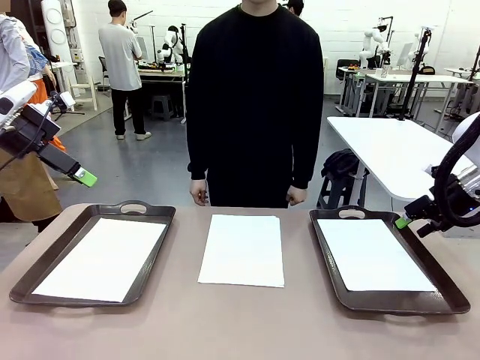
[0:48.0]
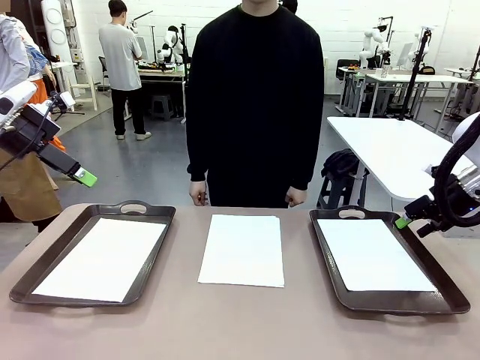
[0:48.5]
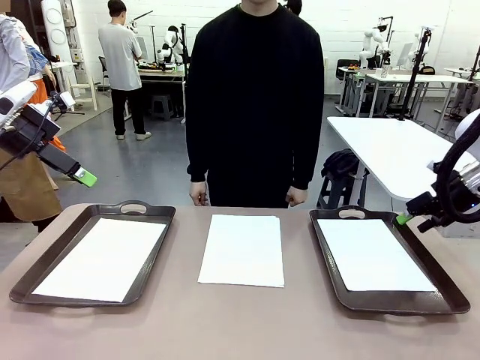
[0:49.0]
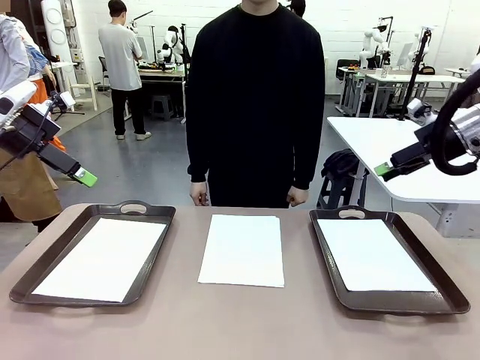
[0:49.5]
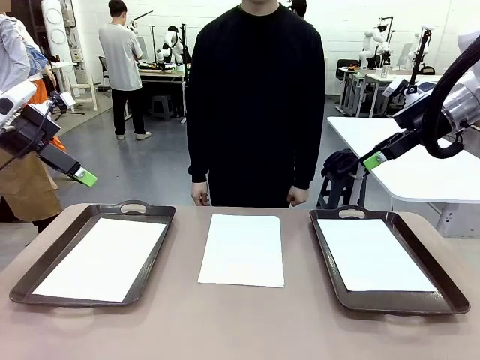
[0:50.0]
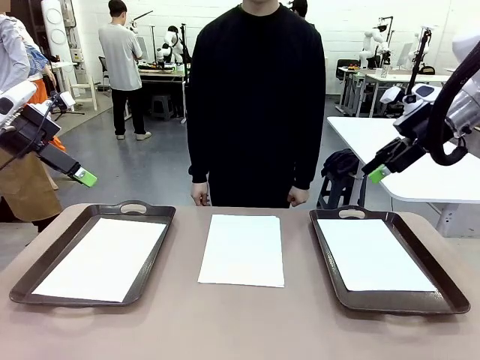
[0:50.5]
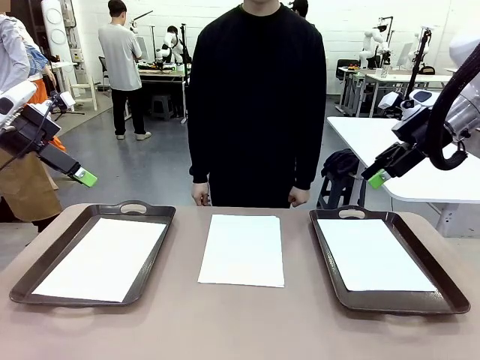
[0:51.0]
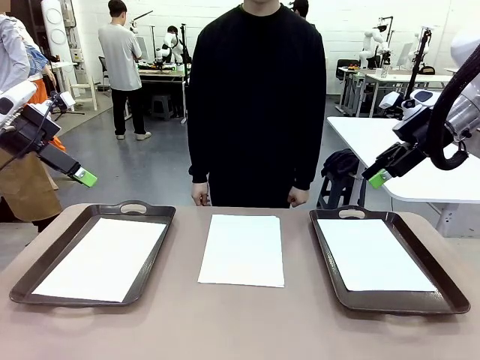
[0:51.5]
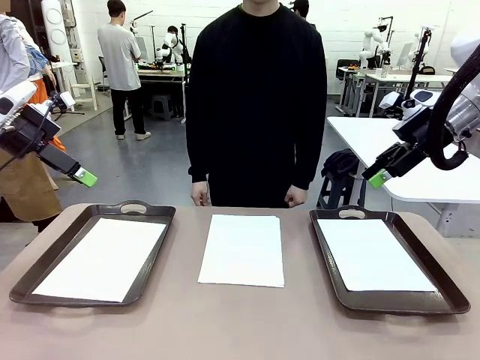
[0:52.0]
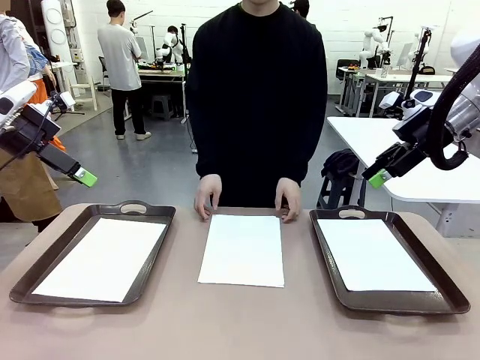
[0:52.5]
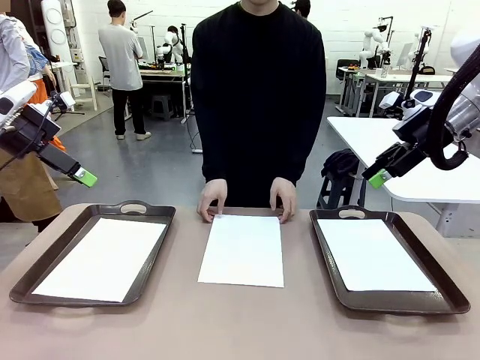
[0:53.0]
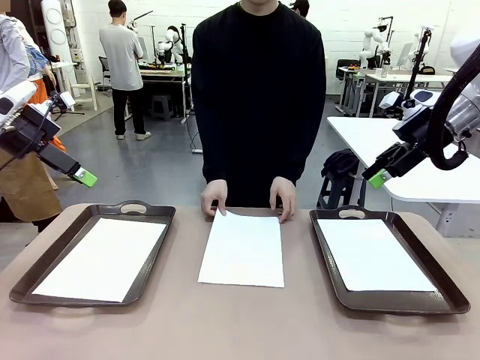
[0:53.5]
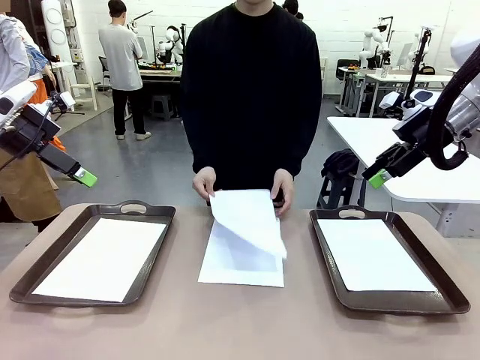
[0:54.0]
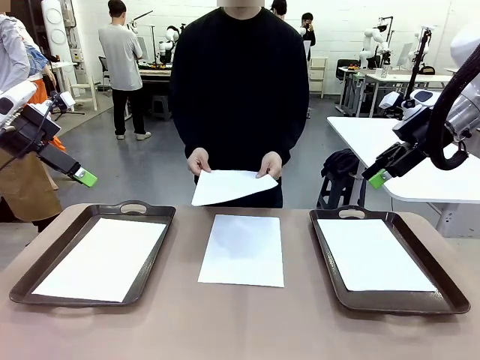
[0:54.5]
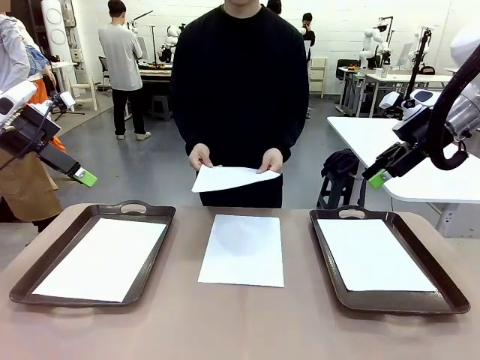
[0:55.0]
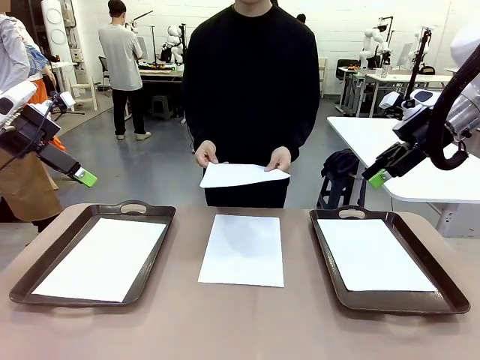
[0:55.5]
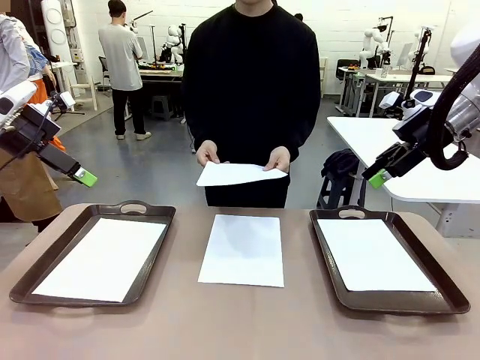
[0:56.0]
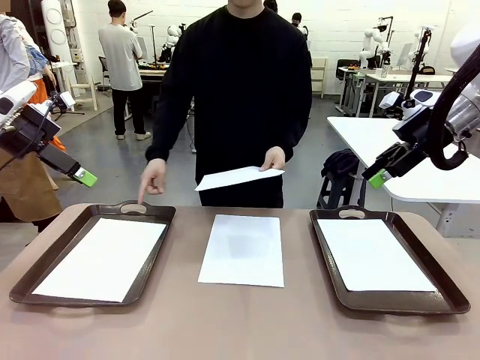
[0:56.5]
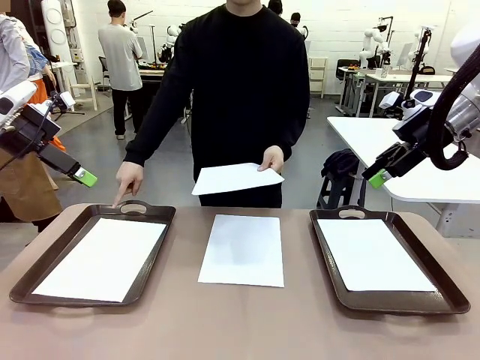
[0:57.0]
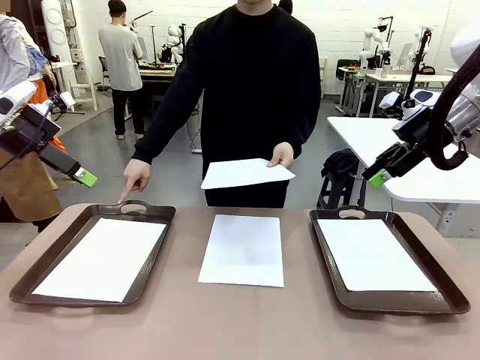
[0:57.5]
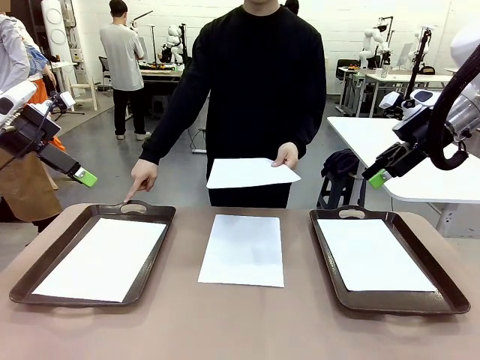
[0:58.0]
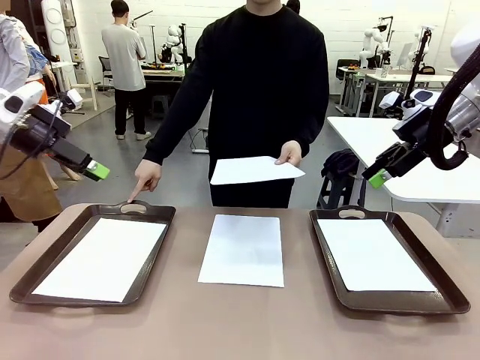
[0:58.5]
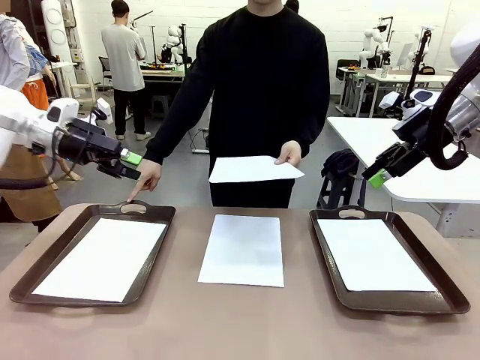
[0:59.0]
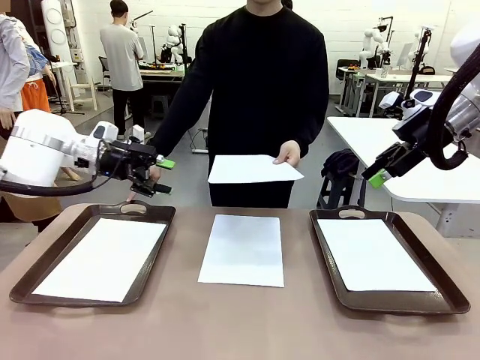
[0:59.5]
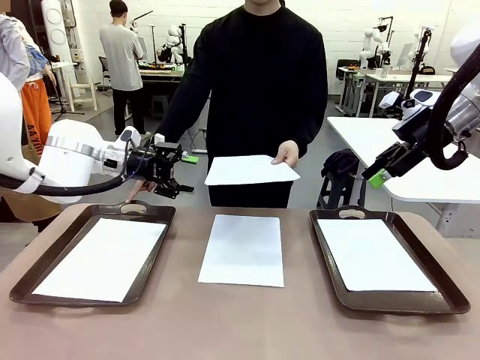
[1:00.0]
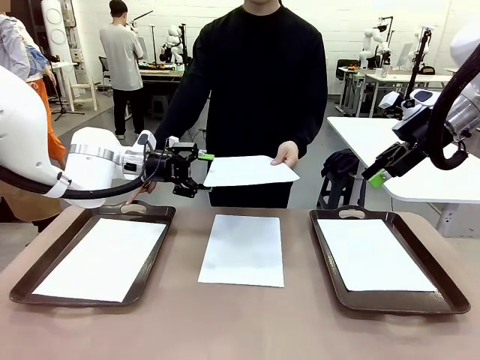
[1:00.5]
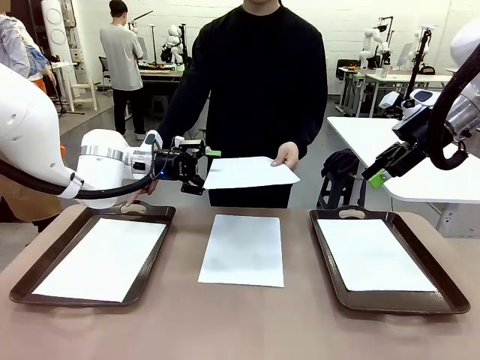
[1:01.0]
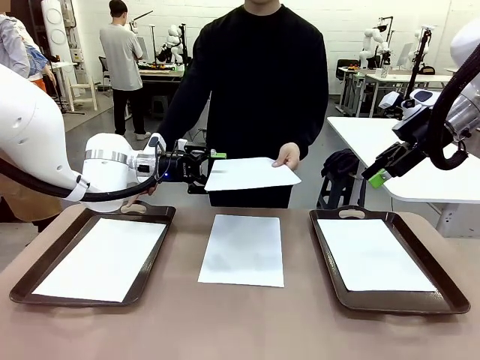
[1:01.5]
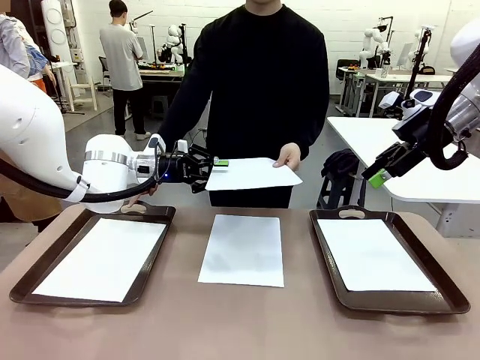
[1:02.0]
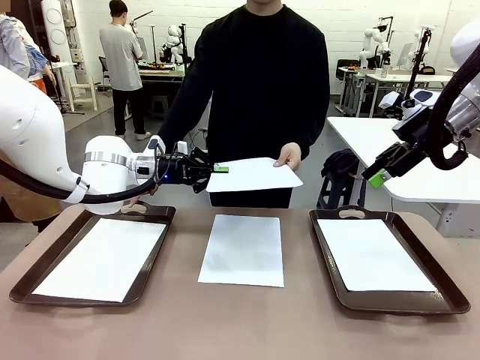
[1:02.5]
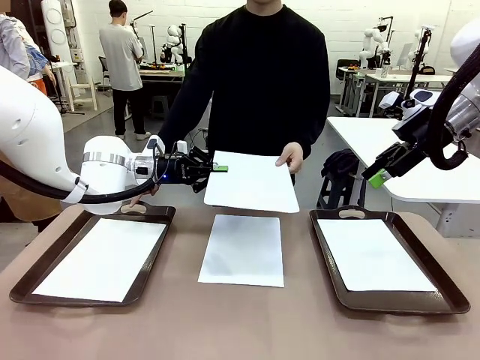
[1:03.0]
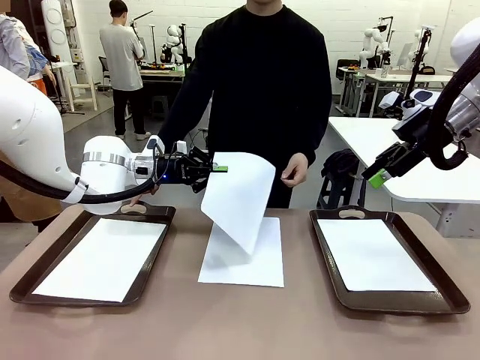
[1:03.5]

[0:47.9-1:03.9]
Task: Sort the A4 documents.
Robot: Receive the A4 Paper.
Person: Point the randomly selected tray with the other hand.

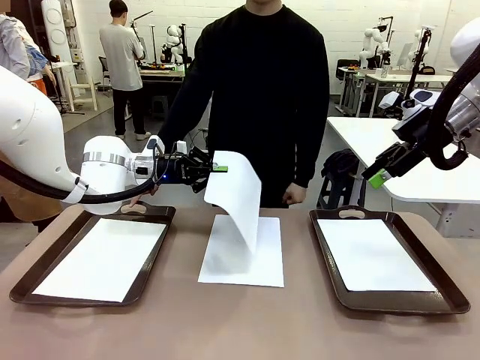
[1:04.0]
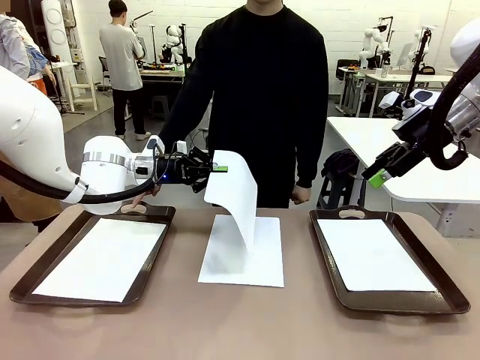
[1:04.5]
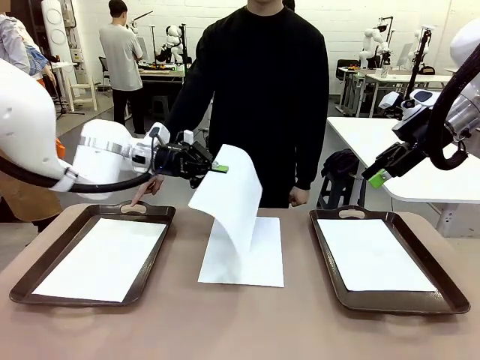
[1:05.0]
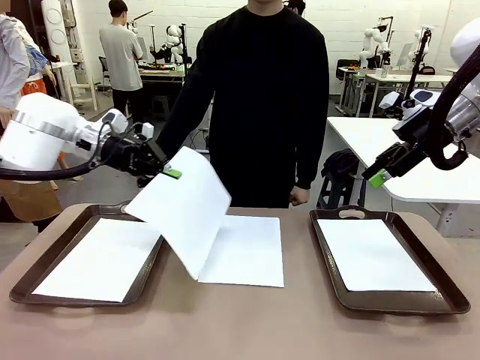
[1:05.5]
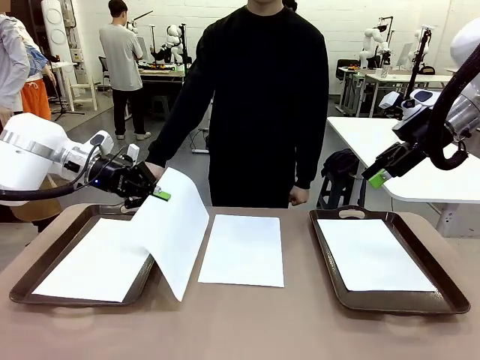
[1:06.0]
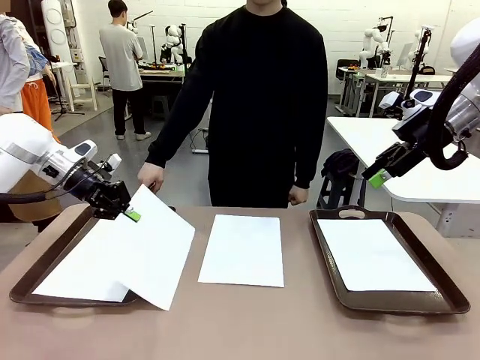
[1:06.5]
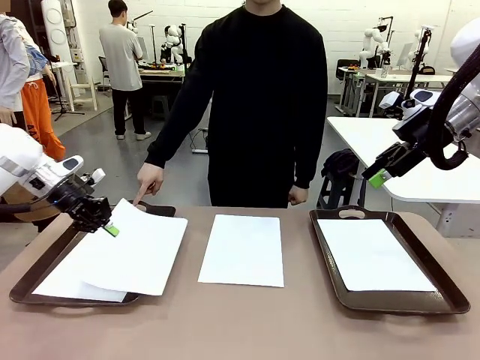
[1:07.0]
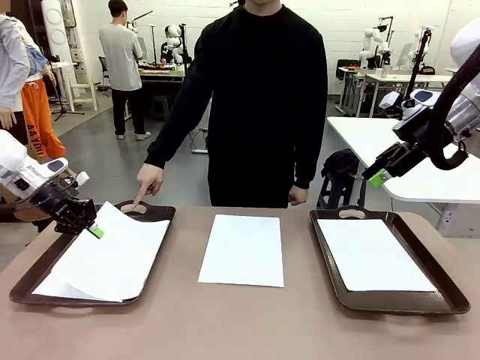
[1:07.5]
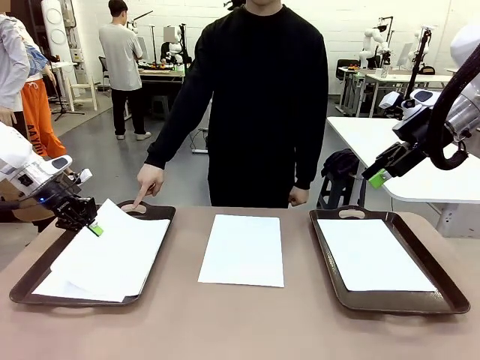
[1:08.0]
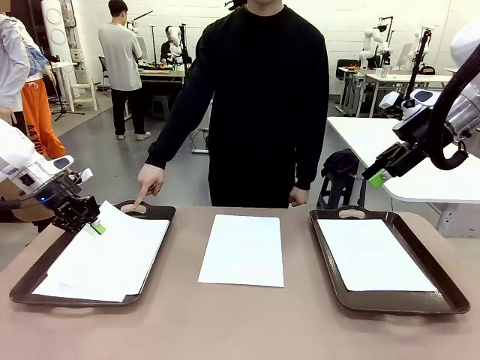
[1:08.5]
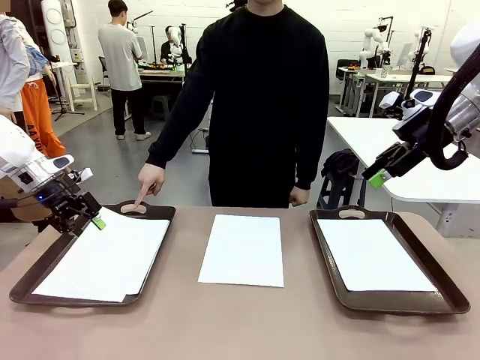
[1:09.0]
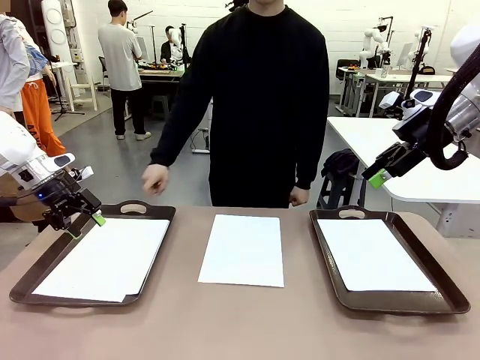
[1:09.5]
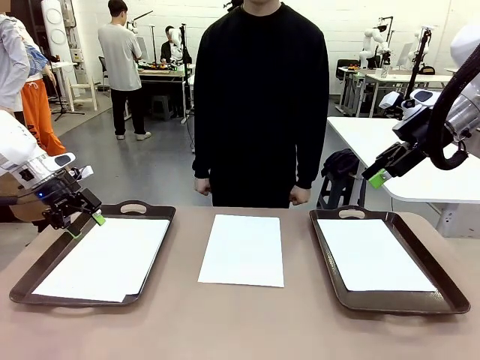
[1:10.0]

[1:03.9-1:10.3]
Robot: Place the A4 Paper in the designated Handle tray.
